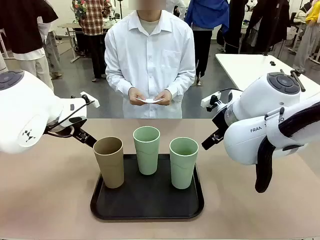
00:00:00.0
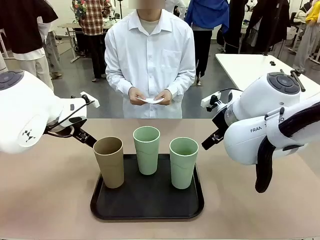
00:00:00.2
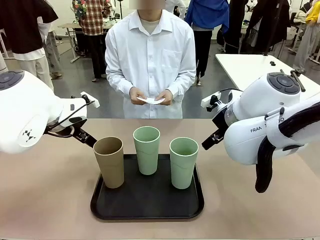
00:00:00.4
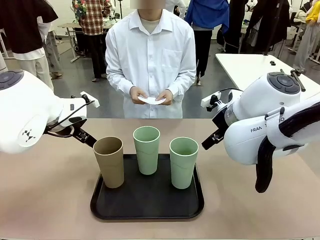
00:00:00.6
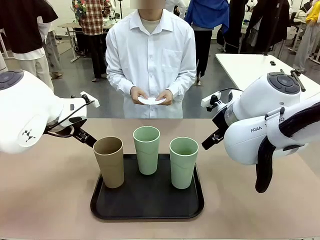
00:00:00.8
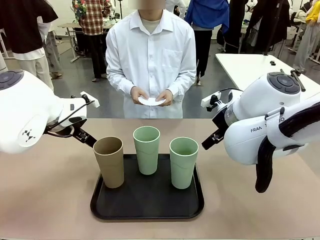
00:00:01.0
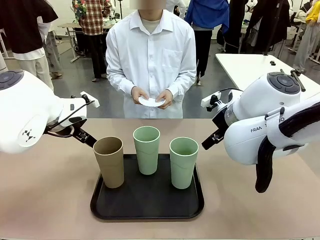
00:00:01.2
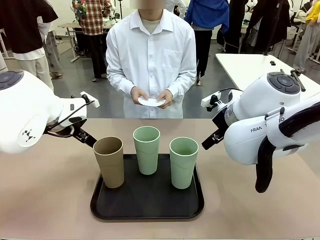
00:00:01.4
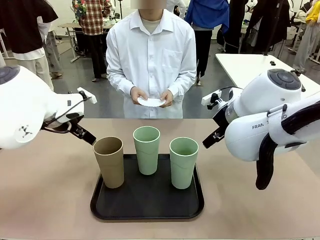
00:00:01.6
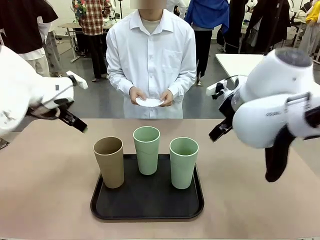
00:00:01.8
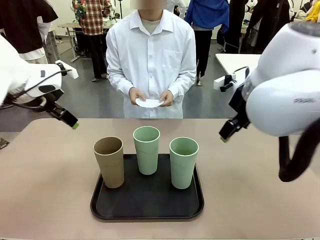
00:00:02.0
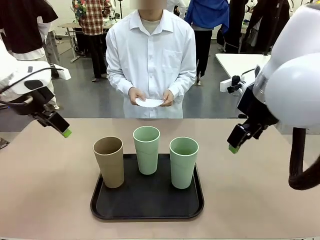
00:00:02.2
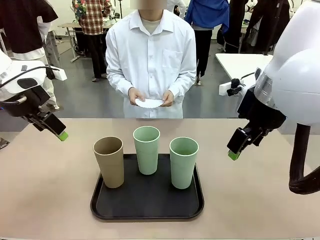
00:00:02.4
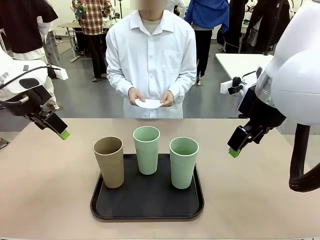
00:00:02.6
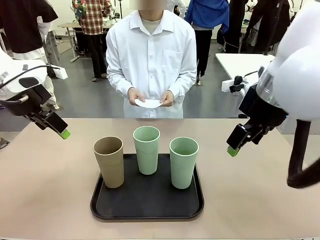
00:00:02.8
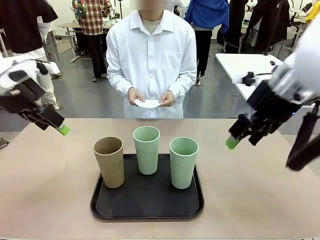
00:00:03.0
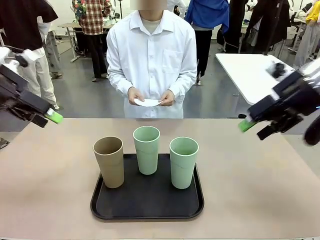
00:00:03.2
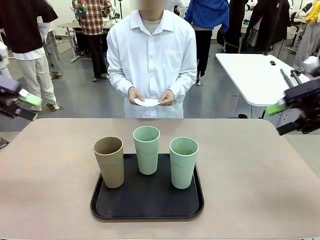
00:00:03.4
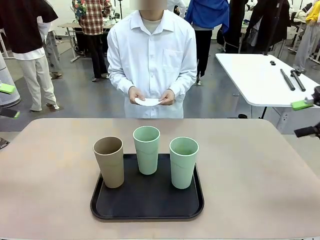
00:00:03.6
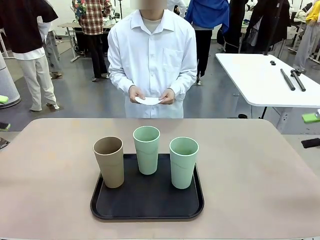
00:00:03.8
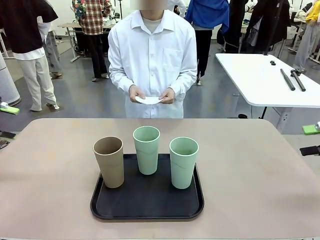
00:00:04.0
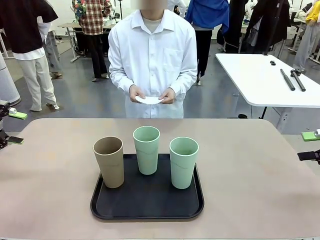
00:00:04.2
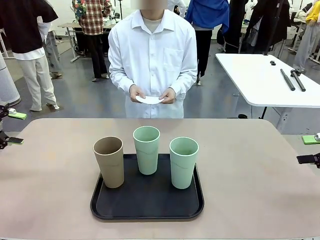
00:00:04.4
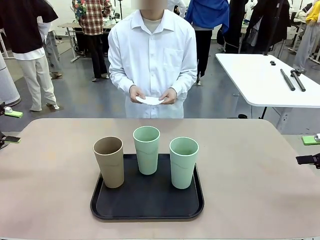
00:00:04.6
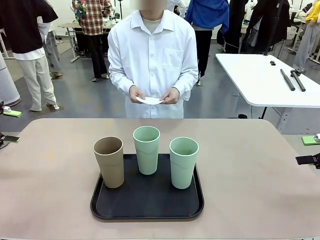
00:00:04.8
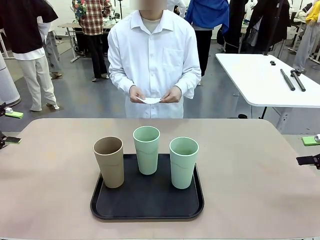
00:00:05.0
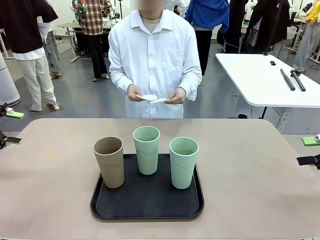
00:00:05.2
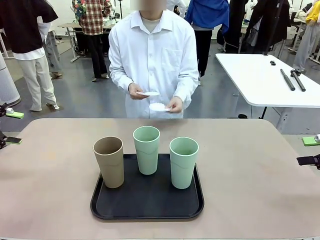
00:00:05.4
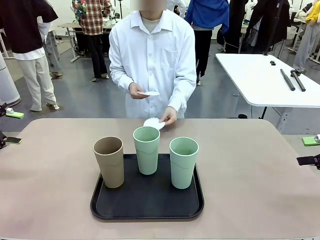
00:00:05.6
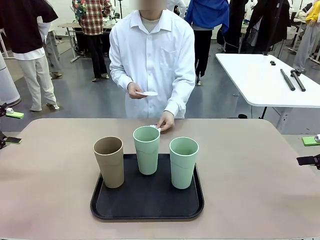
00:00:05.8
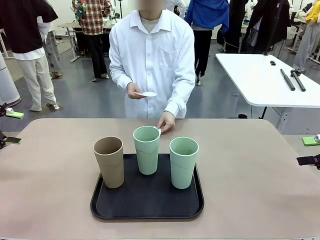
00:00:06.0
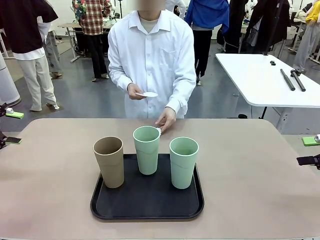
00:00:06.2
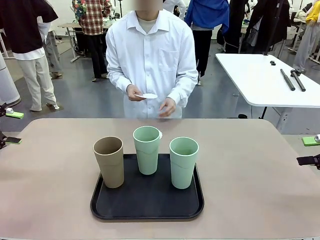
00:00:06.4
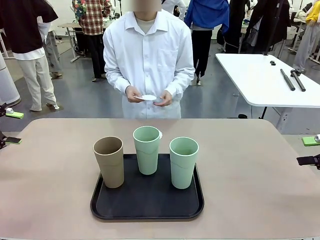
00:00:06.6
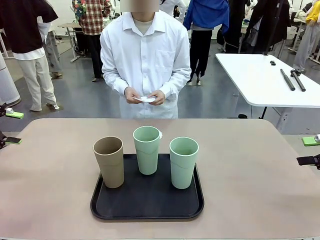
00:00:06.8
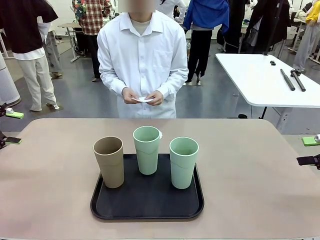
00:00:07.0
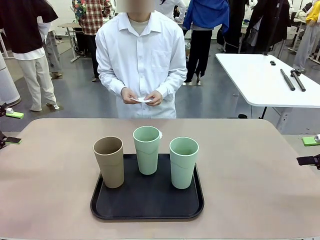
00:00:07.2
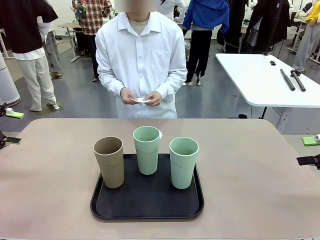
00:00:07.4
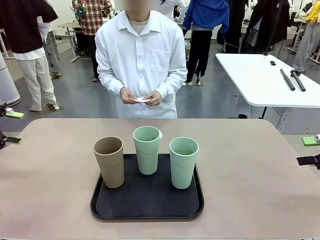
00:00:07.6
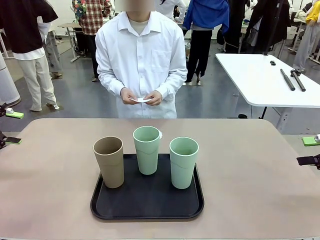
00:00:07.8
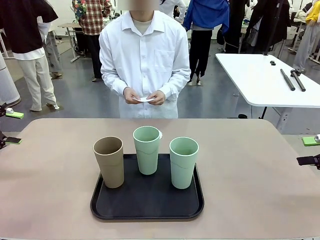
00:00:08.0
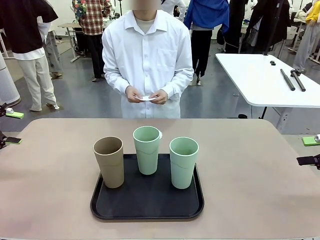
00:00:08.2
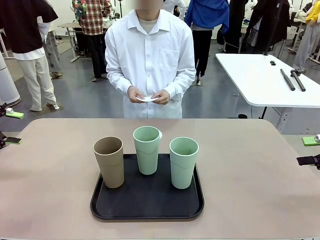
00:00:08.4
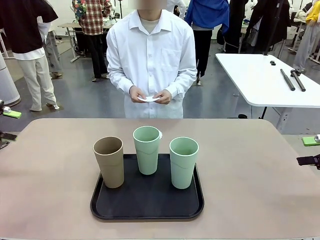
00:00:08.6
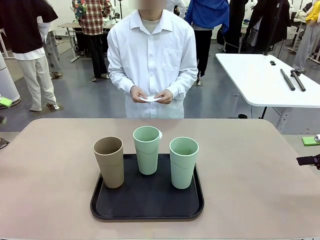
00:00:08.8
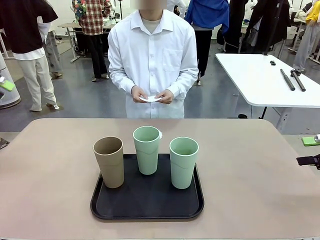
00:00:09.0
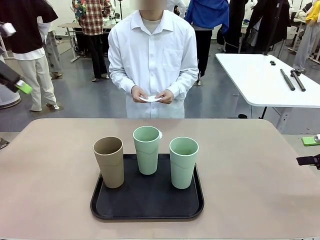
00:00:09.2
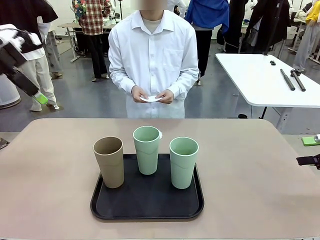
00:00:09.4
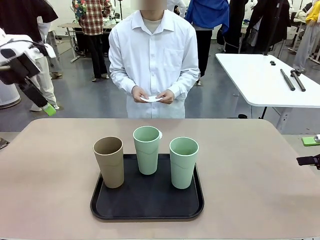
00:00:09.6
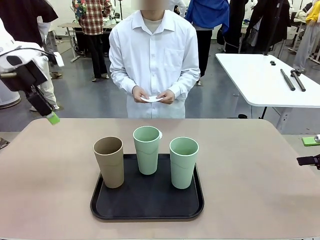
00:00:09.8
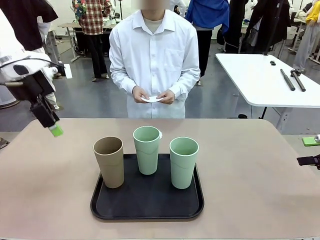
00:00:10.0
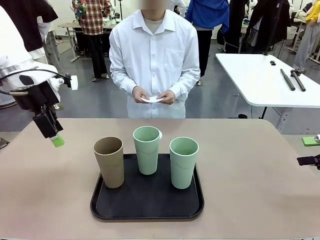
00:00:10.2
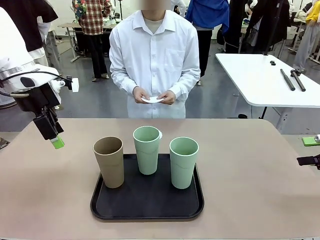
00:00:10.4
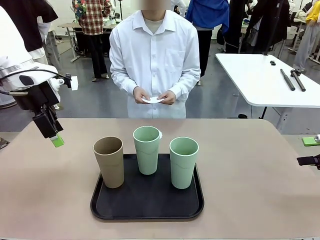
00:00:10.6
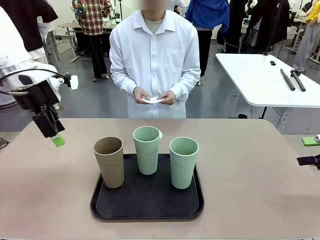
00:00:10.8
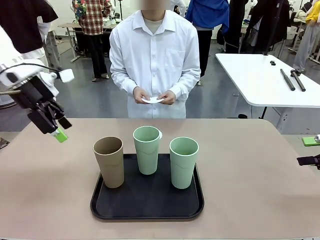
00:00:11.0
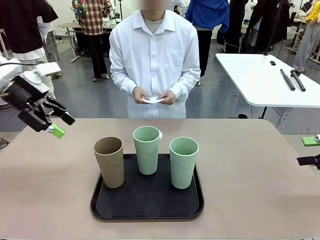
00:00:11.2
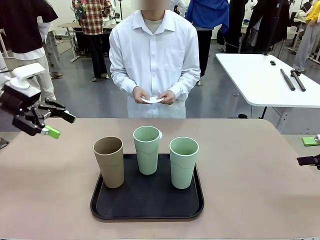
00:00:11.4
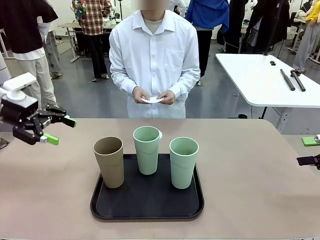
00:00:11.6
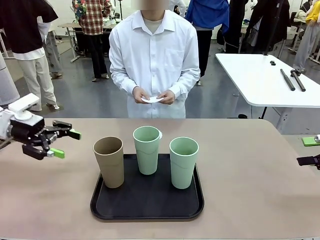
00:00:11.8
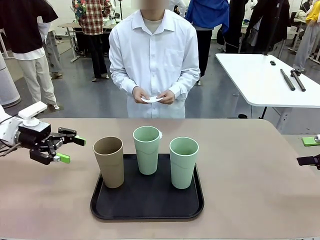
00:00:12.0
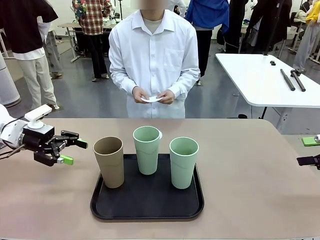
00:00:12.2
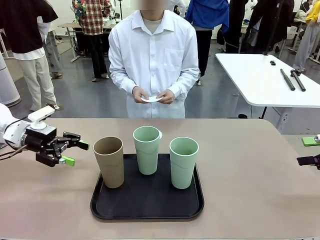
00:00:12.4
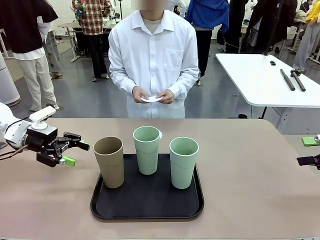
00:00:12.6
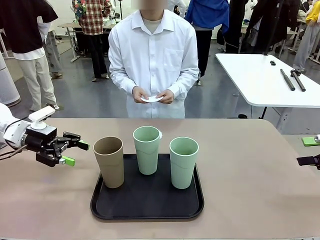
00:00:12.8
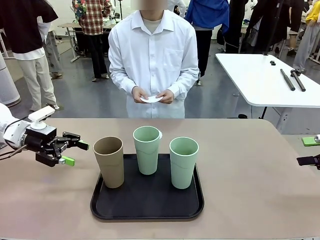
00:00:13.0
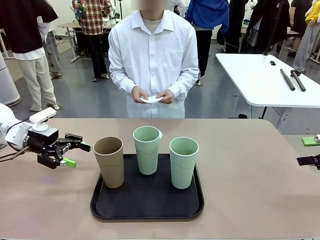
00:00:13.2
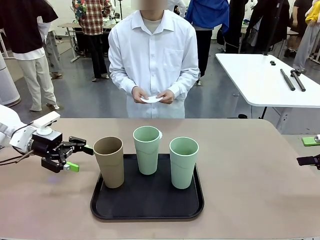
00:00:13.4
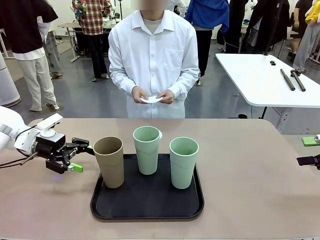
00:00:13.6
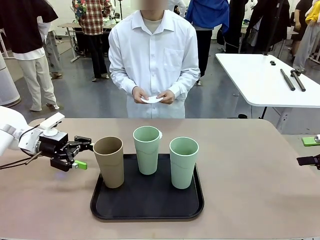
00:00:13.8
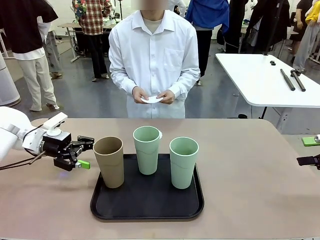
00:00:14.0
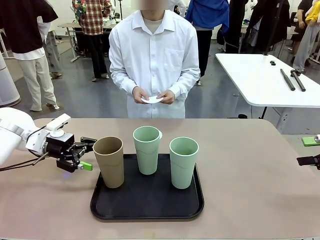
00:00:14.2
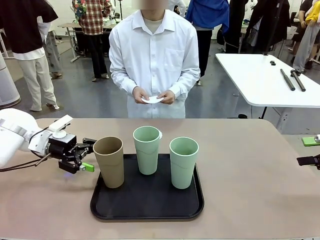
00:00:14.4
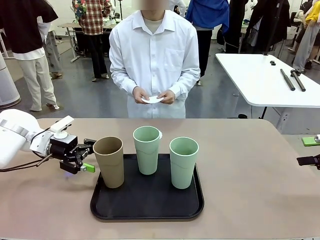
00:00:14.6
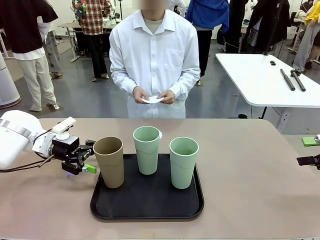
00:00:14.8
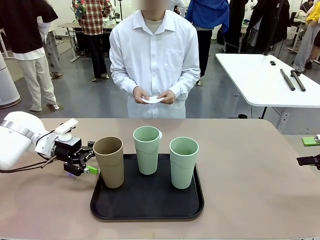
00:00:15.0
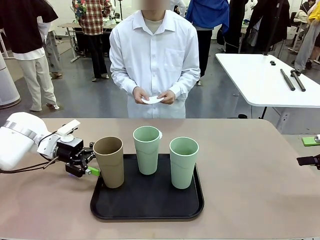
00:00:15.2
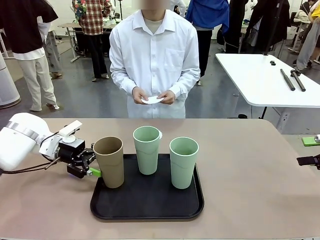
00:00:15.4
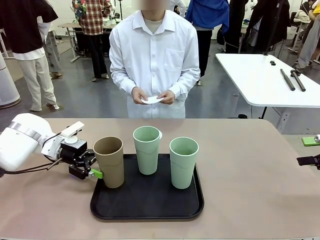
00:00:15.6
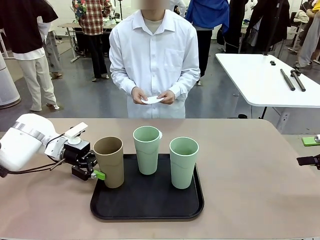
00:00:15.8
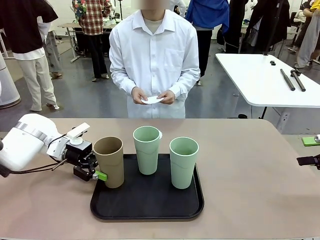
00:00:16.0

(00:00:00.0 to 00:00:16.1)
Task: Place coasters on the table and set cups on them.
Robot: Pick up one Reusable plastic cup and place it on a coaster set by the human.
Person: Place one coaster in any one of the three lower areas of the robot table (left, center, or right).
